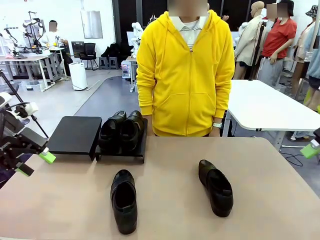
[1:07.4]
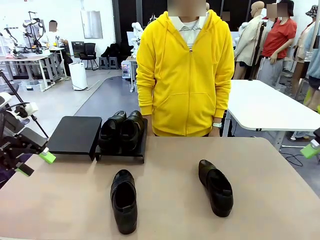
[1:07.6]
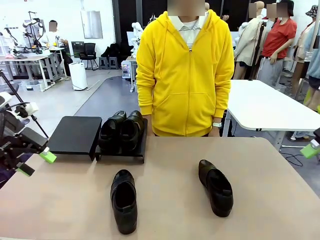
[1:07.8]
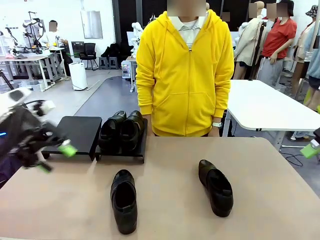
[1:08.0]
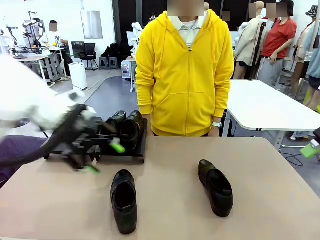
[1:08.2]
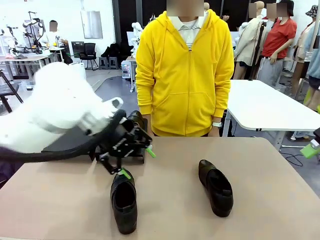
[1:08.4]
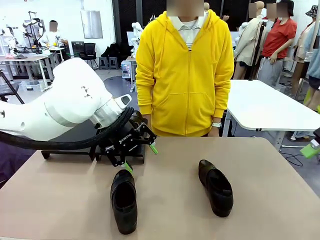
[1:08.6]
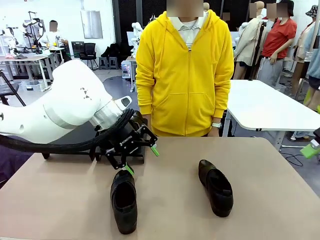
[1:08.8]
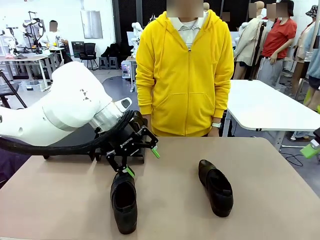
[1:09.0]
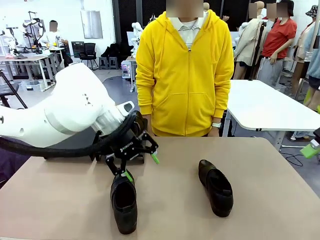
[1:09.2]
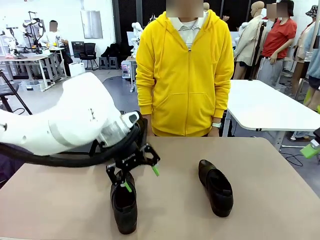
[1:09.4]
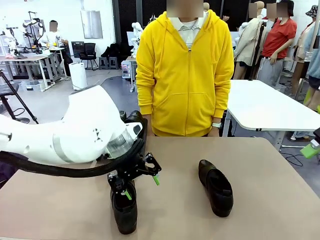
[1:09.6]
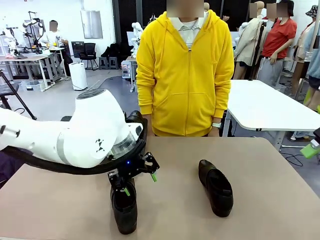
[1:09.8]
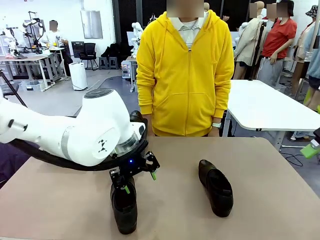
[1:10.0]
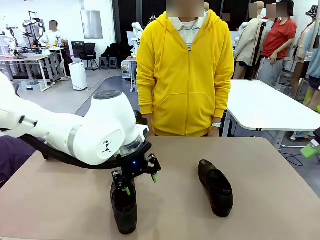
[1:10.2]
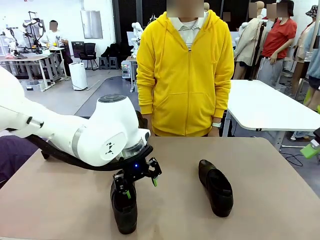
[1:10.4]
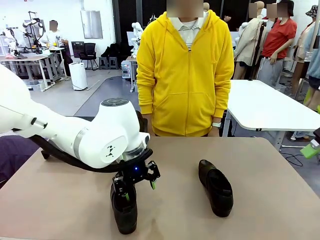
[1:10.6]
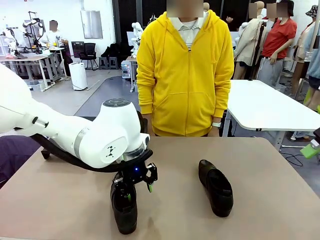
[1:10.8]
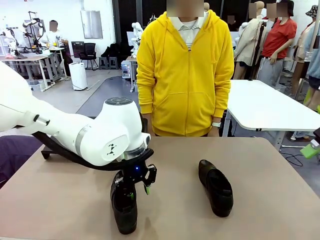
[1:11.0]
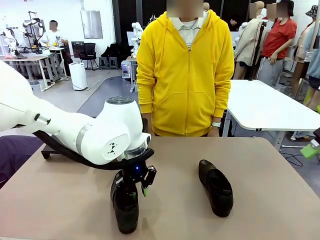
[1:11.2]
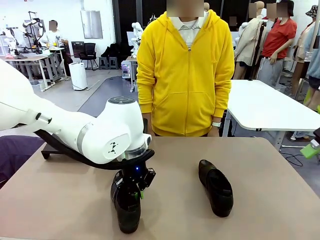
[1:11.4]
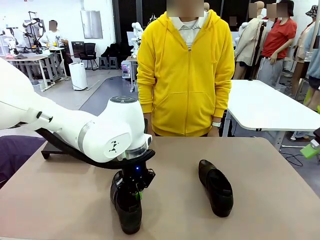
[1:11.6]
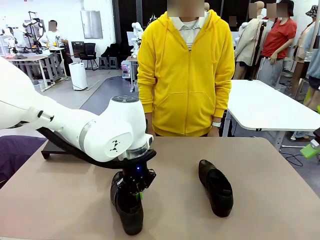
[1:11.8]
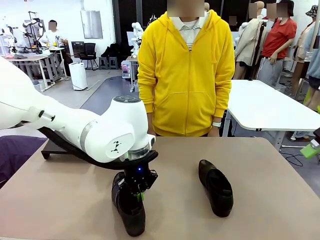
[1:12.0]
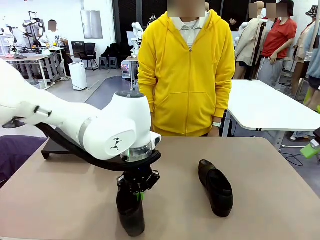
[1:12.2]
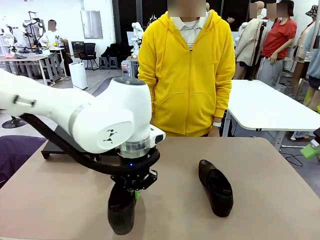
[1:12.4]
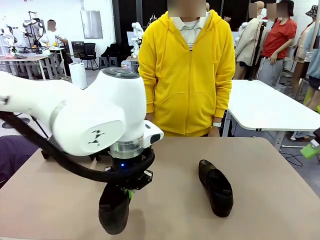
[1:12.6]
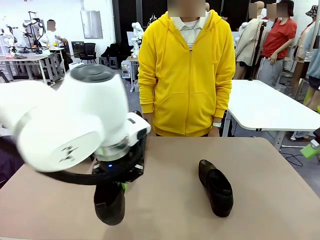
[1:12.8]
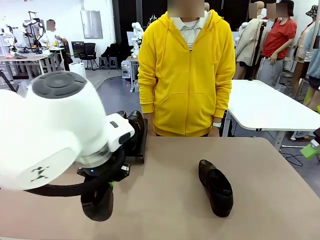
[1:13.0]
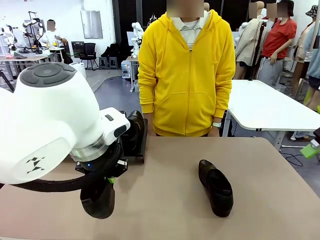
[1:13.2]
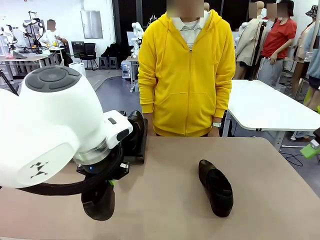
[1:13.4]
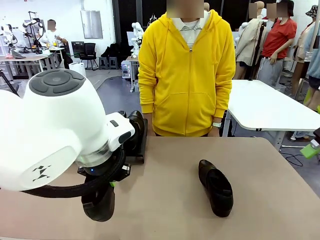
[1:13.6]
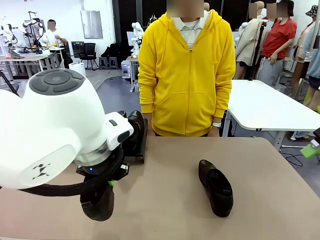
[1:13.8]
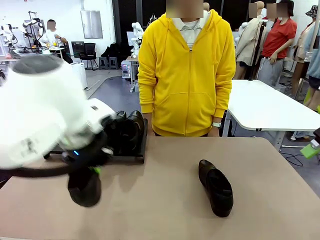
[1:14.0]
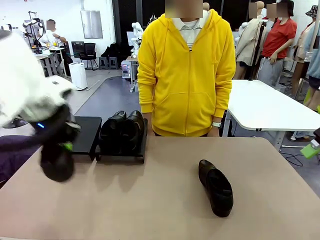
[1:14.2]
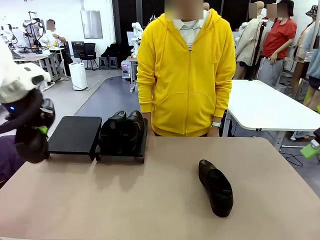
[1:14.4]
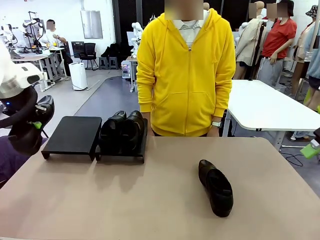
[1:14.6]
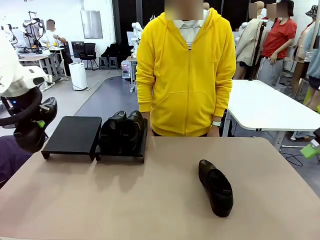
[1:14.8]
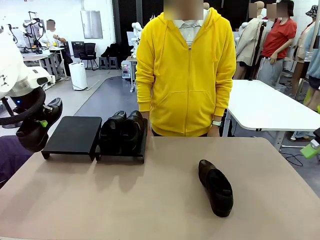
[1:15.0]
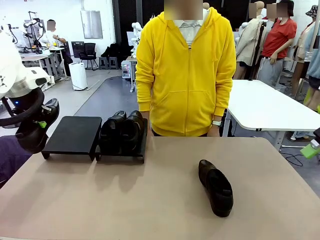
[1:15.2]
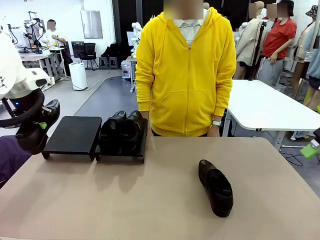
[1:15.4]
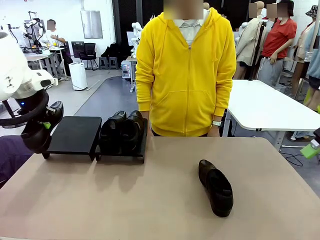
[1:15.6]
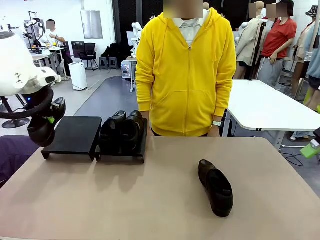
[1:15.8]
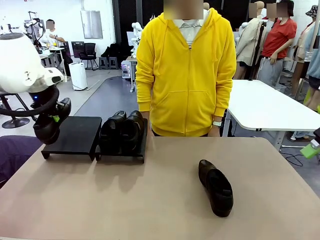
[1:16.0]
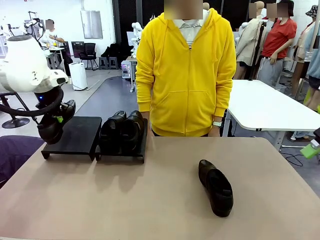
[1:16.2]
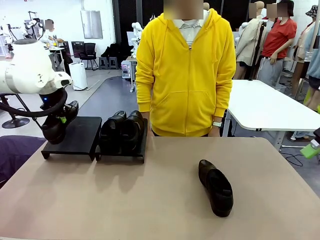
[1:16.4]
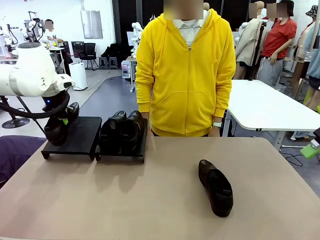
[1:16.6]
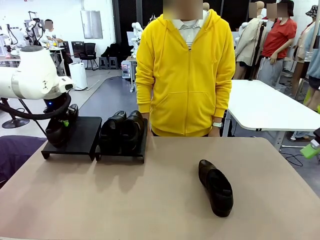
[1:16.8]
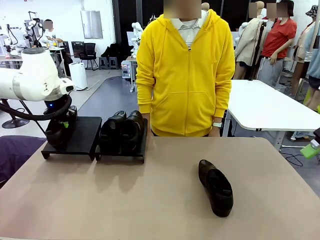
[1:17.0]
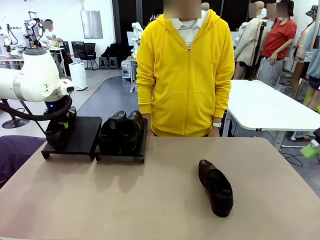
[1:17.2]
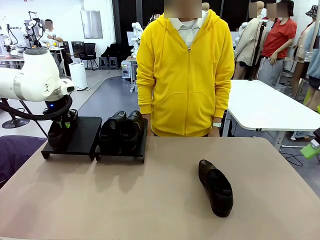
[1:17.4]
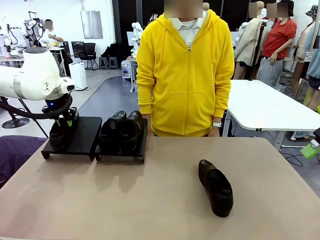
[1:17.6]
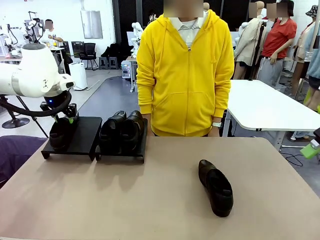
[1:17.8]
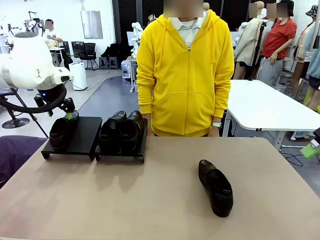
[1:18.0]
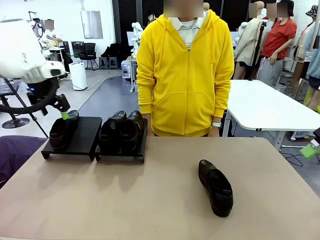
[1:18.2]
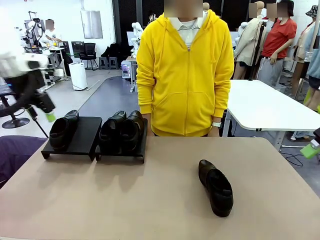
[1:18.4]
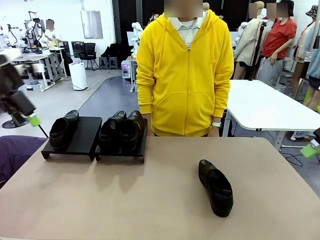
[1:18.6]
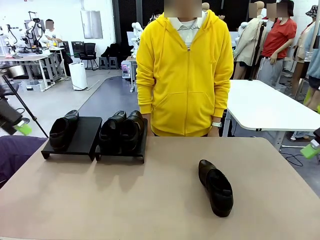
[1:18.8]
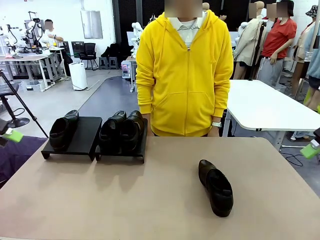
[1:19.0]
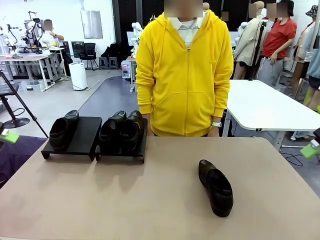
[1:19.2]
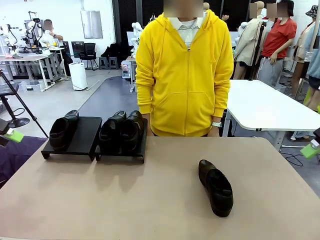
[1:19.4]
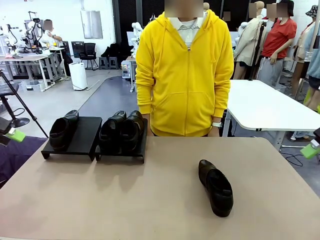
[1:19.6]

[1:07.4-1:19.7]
Task: Organize the shoes by placing them on the stand.
Robot: Place the Shoe from the middle of the table onto the Shoes Stand.

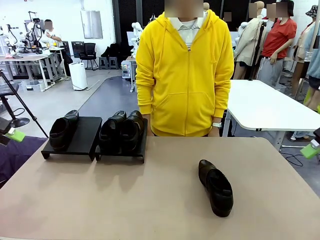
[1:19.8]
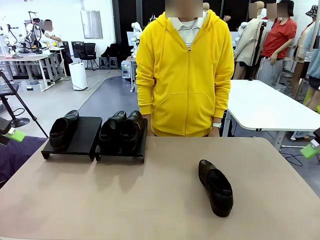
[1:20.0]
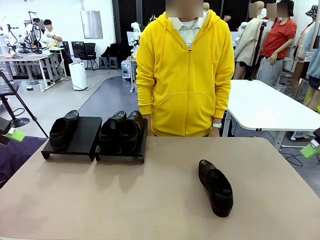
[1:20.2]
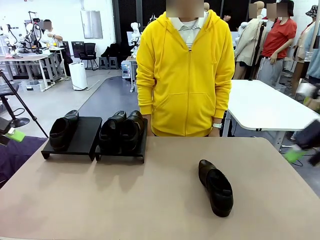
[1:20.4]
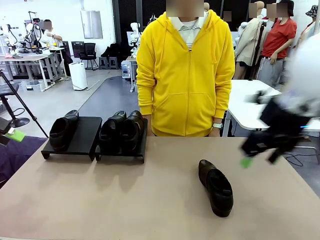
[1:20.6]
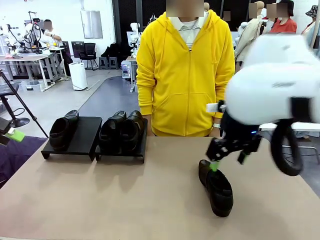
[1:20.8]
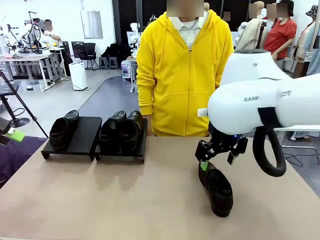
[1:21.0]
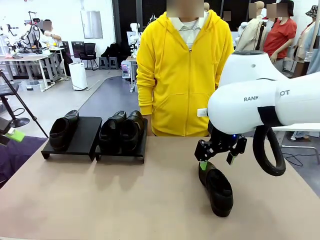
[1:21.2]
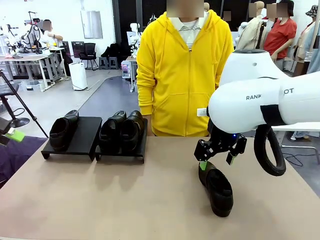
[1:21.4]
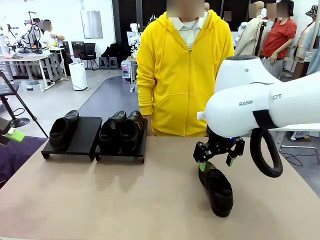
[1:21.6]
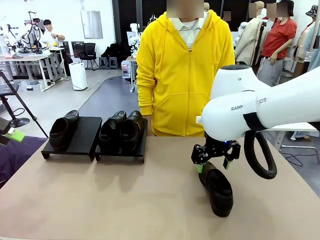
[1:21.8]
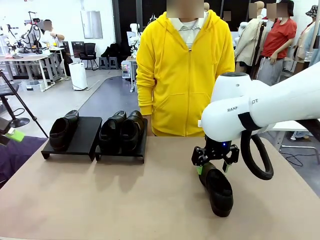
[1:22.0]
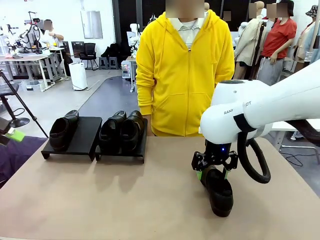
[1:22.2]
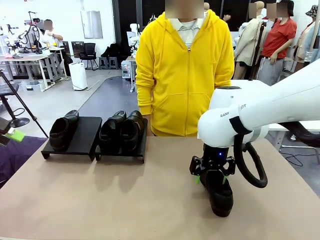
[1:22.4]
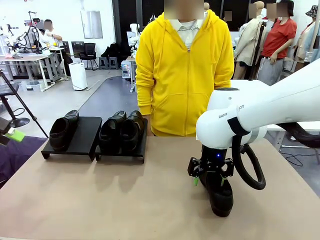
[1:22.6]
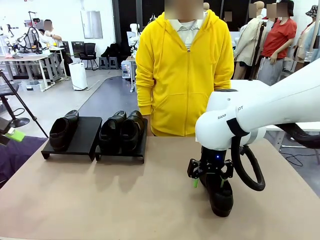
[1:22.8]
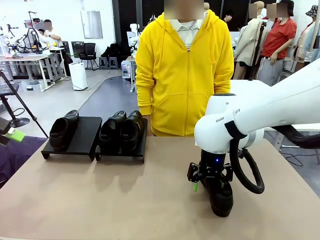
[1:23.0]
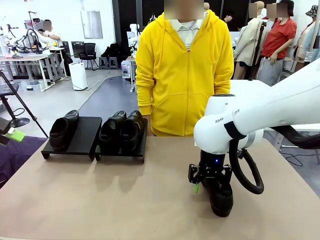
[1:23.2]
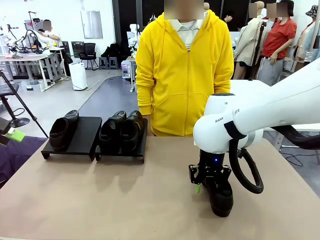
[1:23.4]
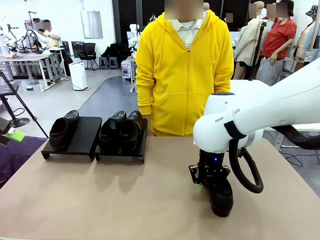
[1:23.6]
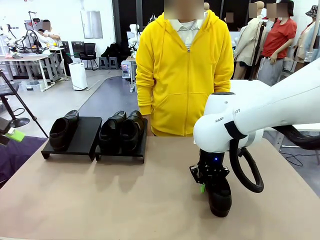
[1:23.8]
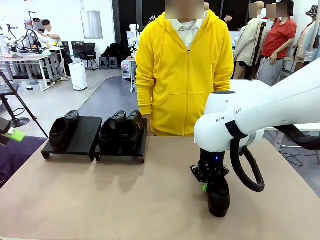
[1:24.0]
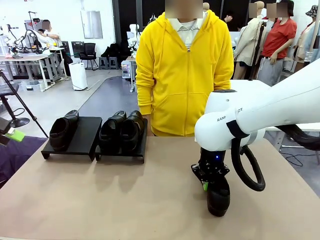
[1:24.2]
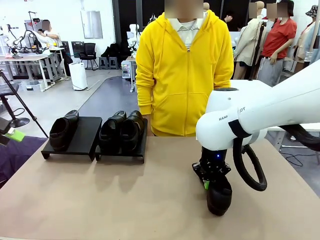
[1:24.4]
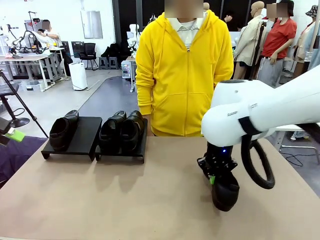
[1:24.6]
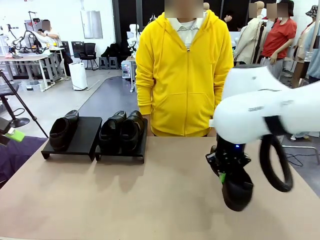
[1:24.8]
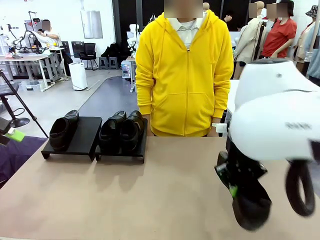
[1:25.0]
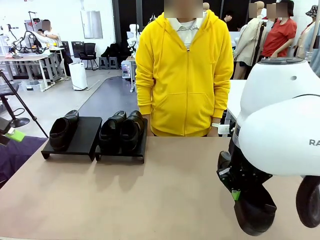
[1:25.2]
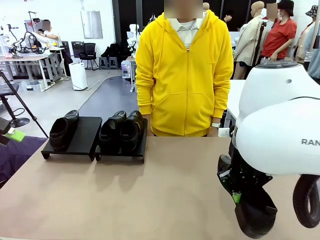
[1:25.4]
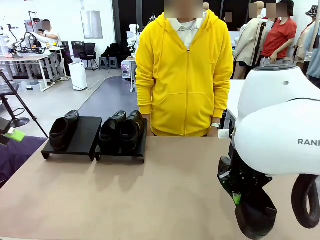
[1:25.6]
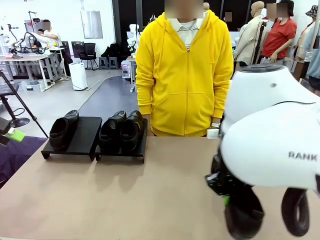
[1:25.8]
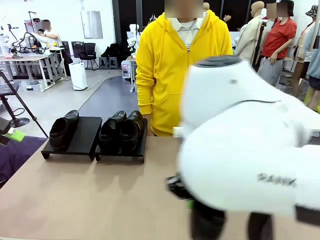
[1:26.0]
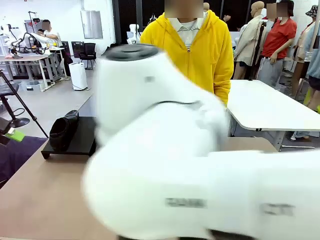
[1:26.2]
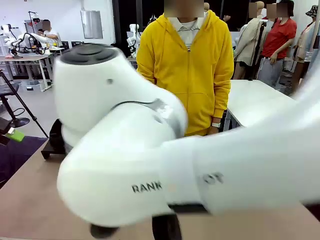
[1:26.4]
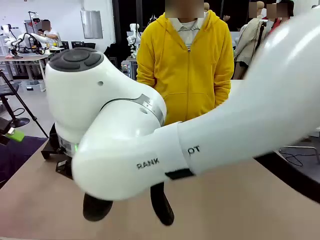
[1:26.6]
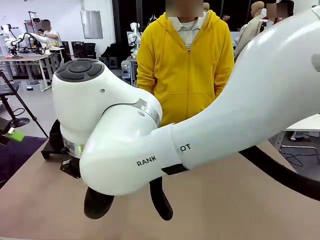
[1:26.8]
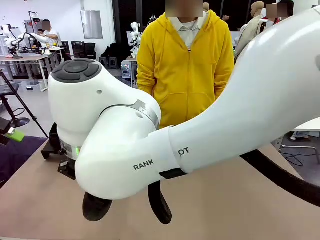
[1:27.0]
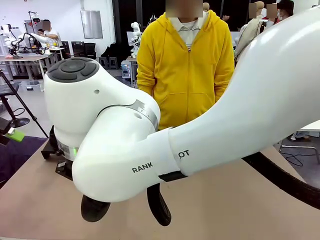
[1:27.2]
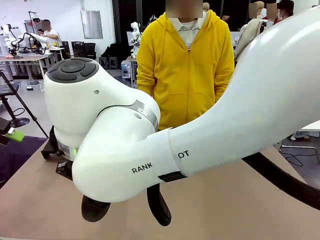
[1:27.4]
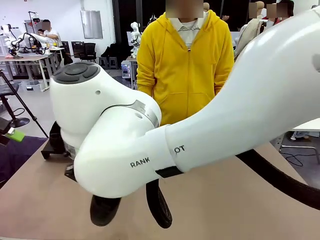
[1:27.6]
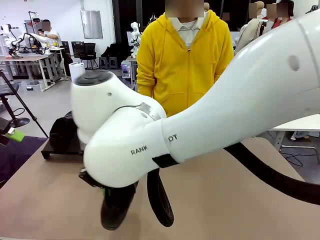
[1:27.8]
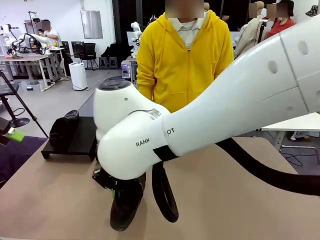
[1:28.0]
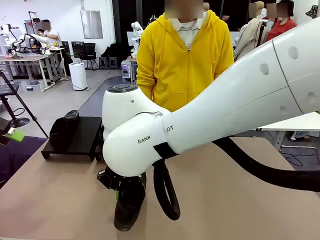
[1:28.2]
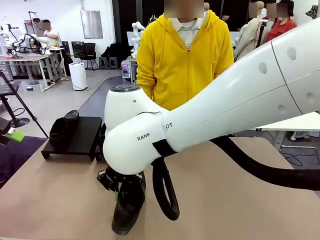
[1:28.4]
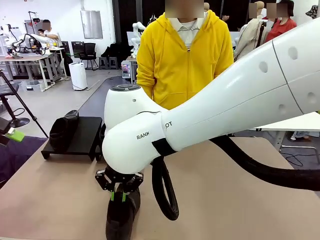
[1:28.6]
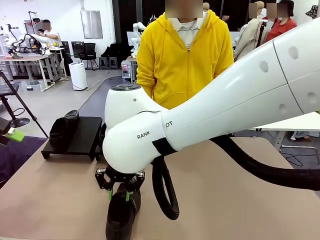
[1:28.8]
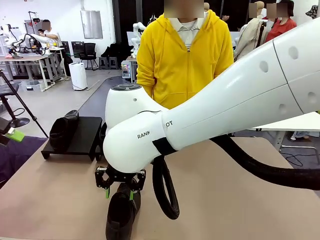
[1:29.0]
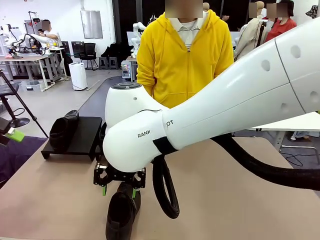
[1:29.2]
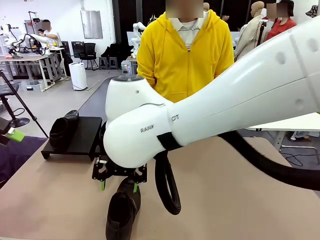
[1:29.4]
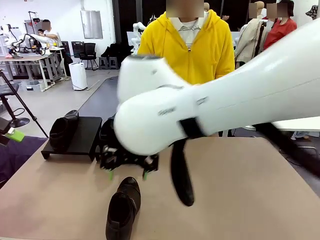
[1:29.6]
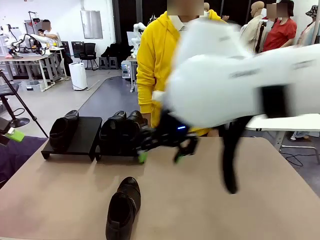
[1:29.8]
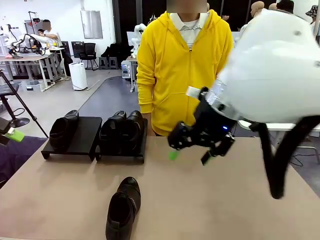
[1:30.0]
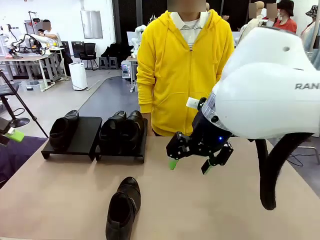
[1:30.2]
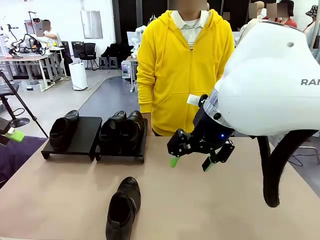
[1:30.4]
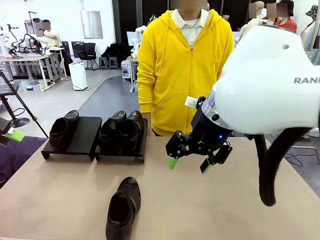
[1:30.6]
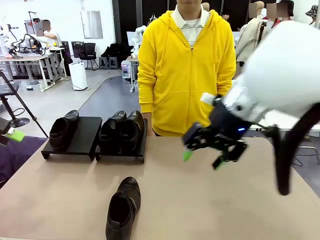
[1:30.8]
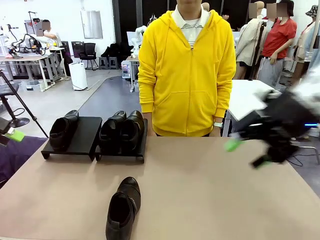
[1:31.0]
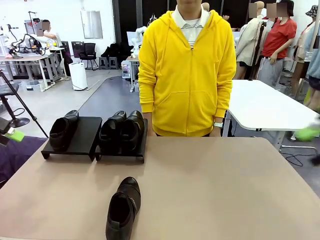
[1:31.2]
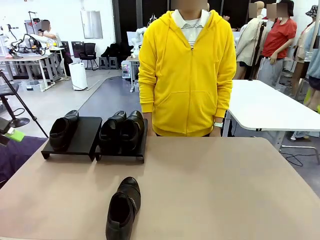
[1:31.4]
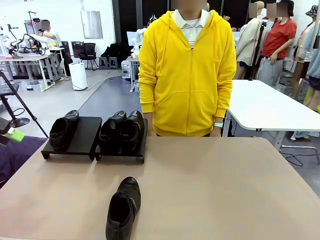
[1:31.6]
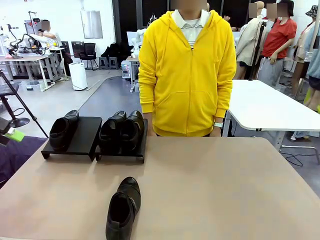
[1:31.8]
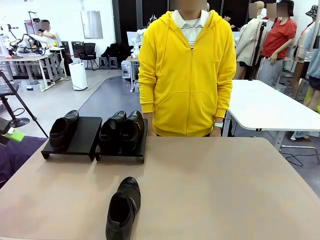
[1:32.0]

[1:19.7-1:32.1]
Robot: Pick up one Shoe and place it in the middle of the table.
